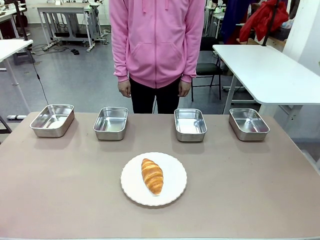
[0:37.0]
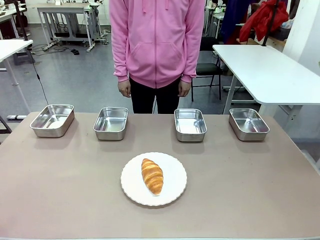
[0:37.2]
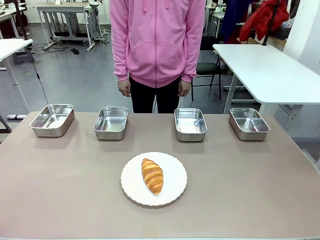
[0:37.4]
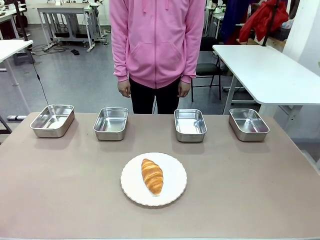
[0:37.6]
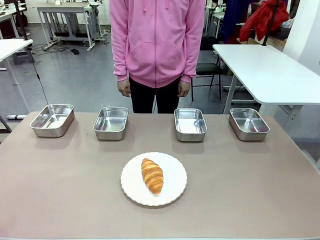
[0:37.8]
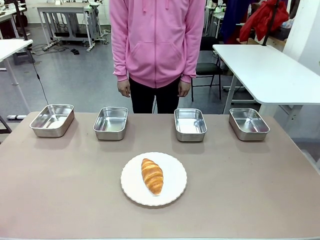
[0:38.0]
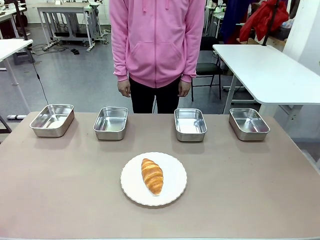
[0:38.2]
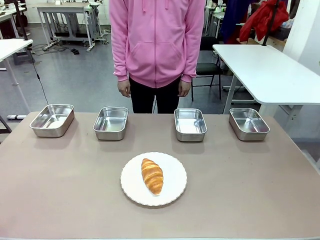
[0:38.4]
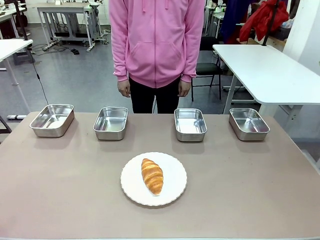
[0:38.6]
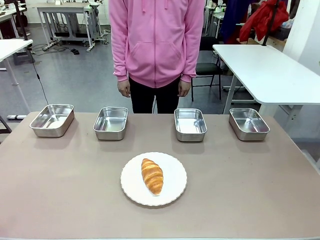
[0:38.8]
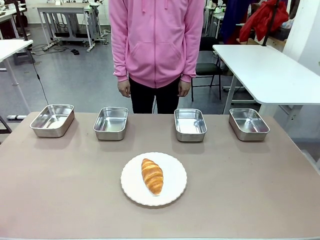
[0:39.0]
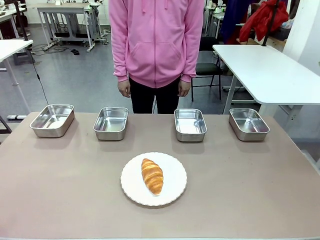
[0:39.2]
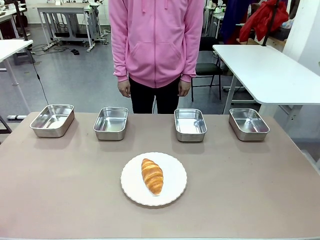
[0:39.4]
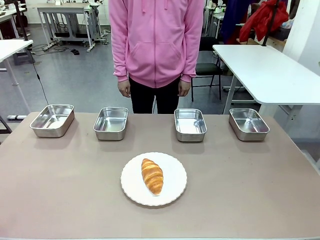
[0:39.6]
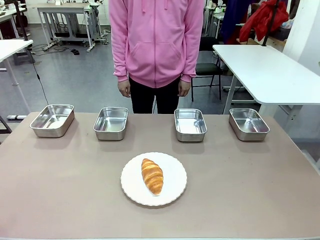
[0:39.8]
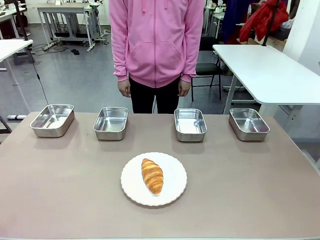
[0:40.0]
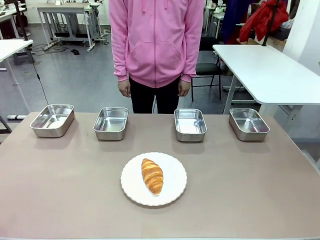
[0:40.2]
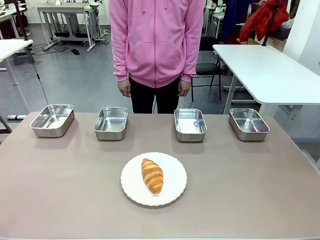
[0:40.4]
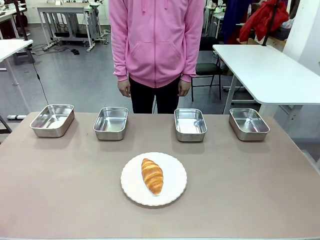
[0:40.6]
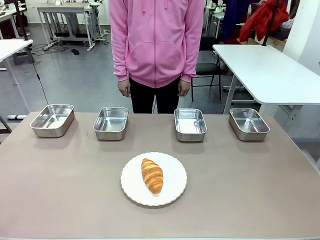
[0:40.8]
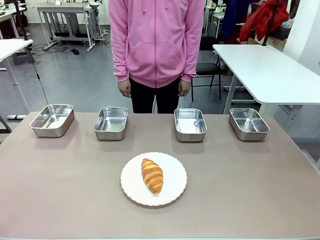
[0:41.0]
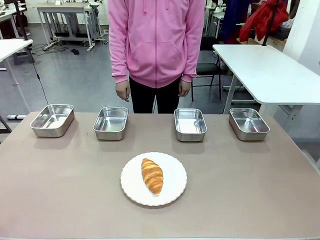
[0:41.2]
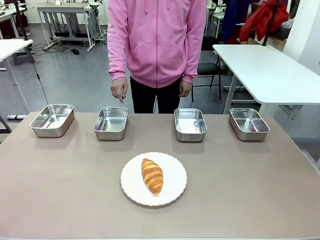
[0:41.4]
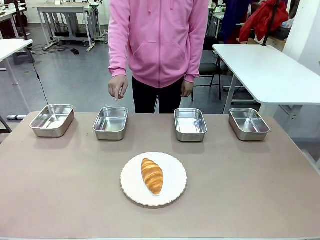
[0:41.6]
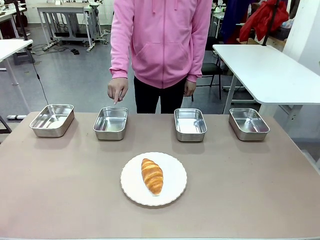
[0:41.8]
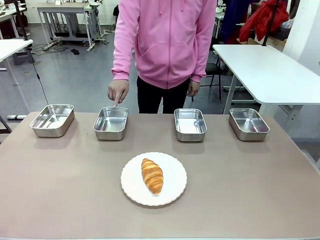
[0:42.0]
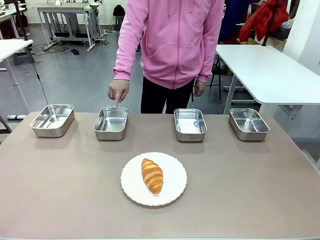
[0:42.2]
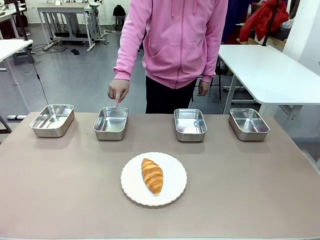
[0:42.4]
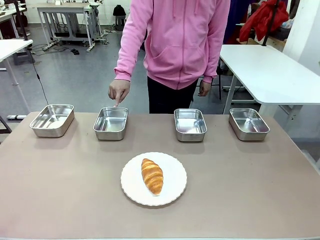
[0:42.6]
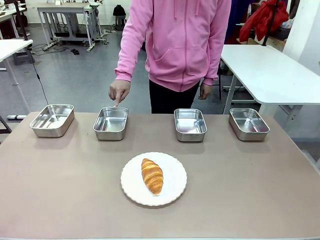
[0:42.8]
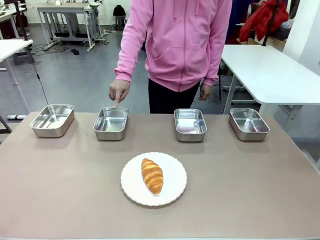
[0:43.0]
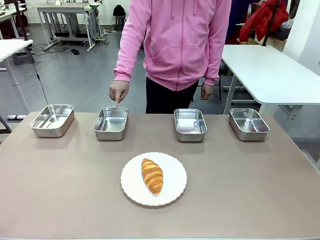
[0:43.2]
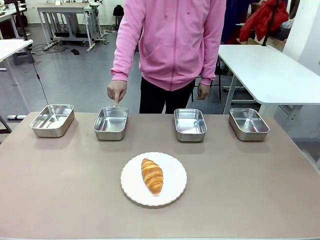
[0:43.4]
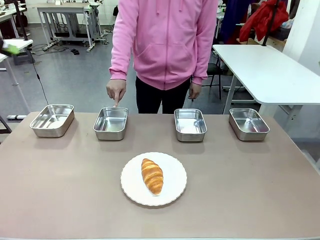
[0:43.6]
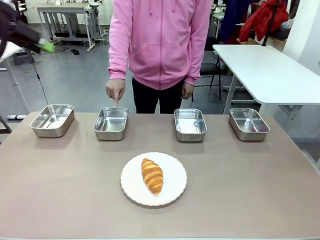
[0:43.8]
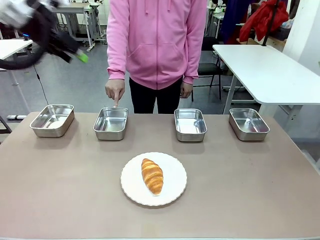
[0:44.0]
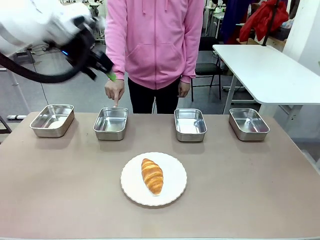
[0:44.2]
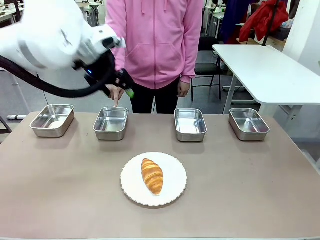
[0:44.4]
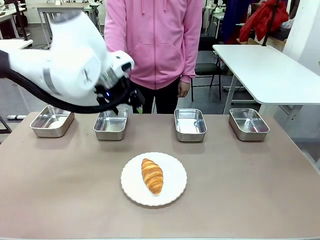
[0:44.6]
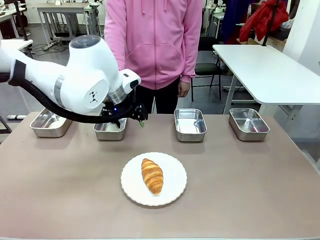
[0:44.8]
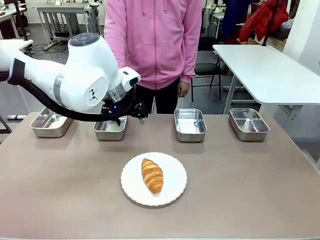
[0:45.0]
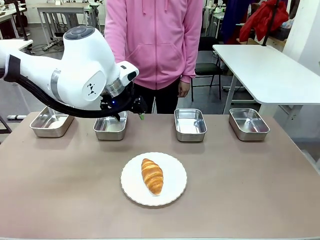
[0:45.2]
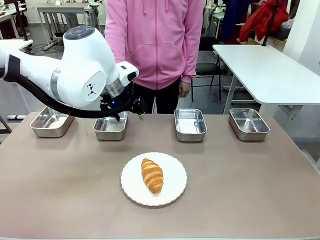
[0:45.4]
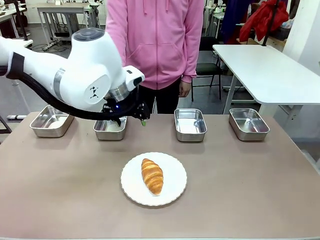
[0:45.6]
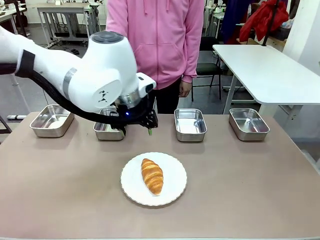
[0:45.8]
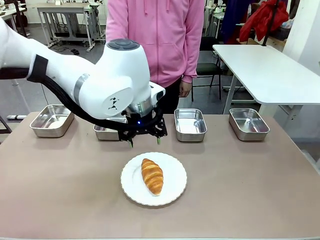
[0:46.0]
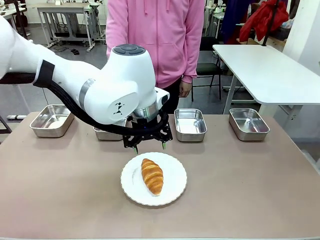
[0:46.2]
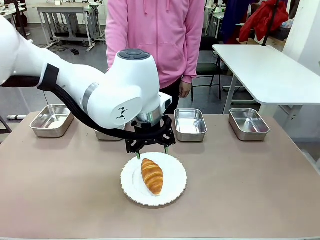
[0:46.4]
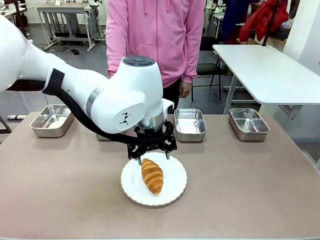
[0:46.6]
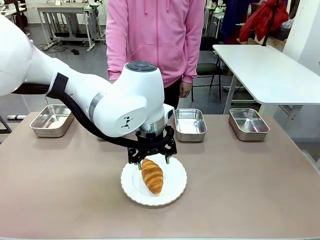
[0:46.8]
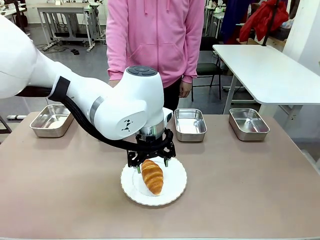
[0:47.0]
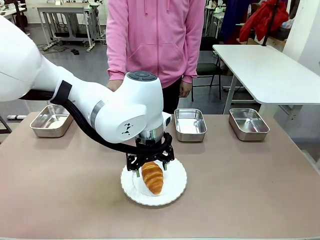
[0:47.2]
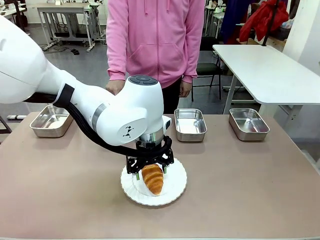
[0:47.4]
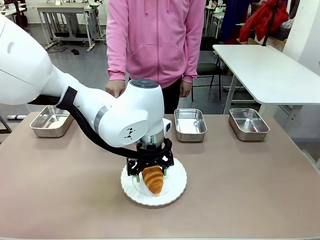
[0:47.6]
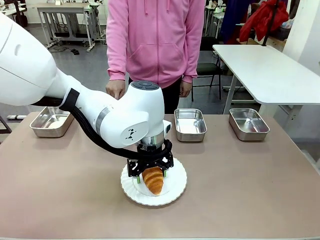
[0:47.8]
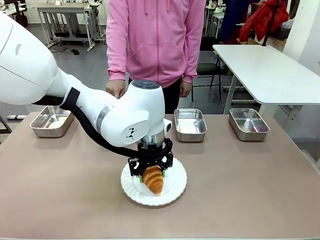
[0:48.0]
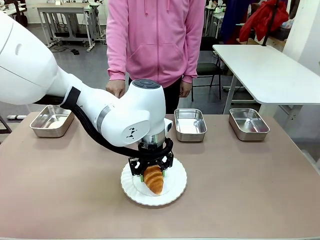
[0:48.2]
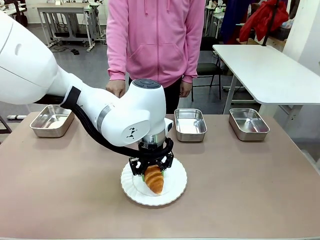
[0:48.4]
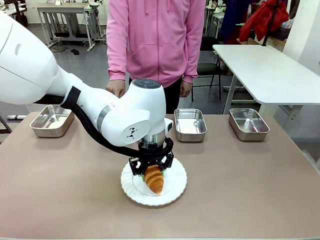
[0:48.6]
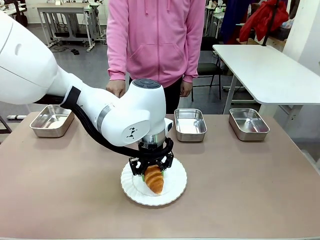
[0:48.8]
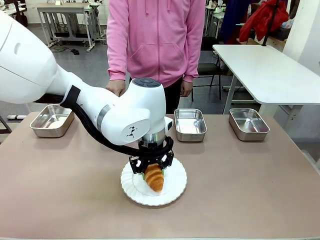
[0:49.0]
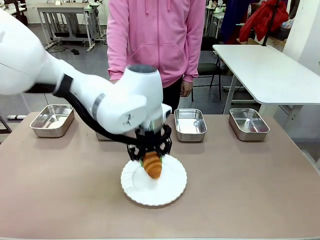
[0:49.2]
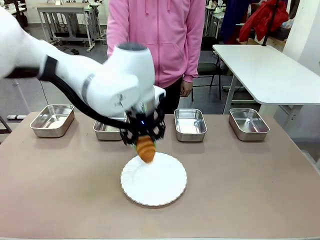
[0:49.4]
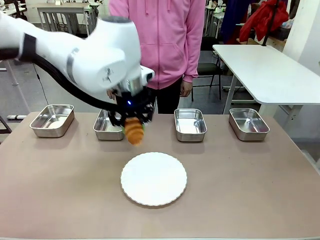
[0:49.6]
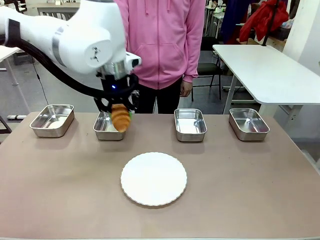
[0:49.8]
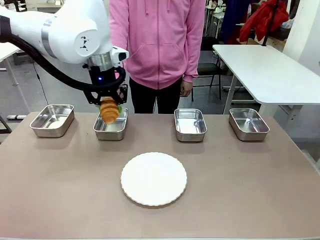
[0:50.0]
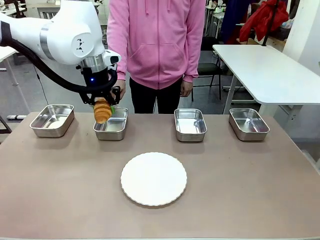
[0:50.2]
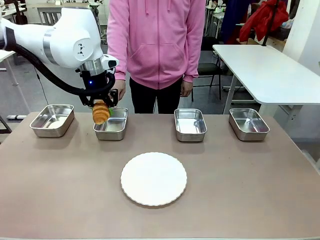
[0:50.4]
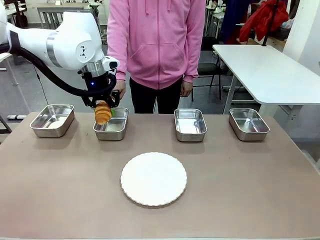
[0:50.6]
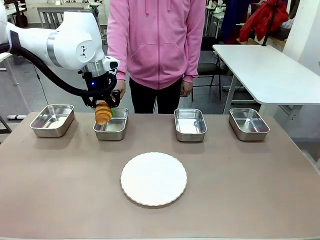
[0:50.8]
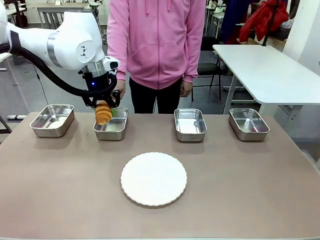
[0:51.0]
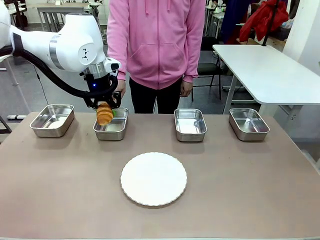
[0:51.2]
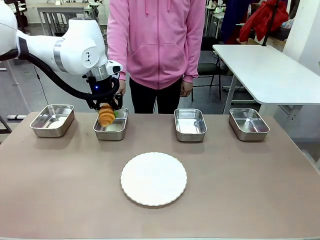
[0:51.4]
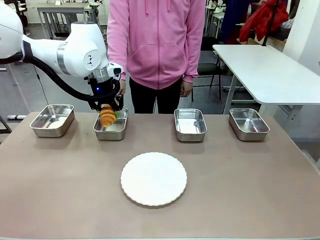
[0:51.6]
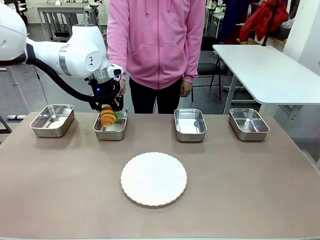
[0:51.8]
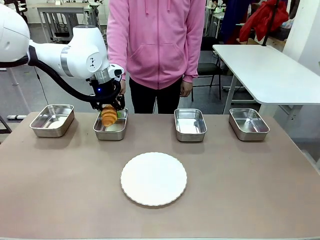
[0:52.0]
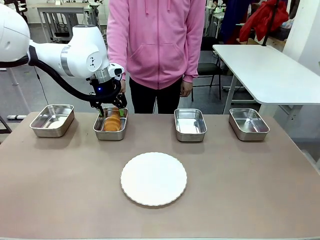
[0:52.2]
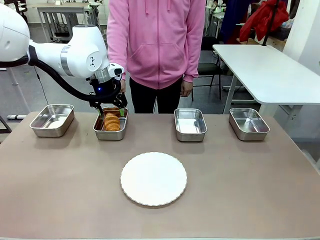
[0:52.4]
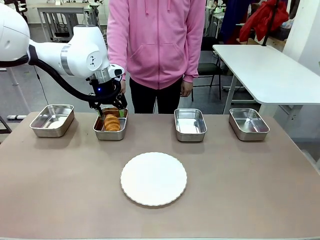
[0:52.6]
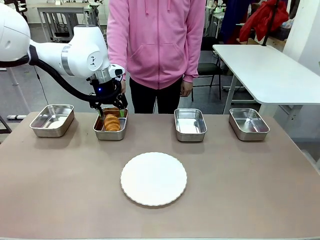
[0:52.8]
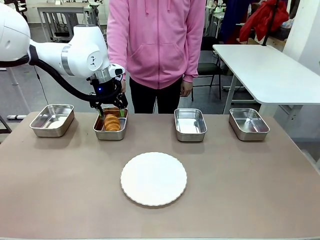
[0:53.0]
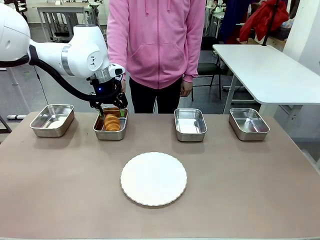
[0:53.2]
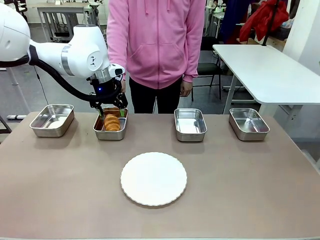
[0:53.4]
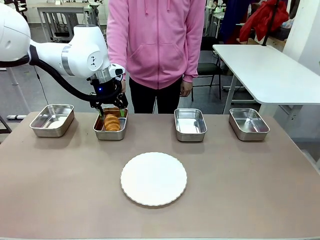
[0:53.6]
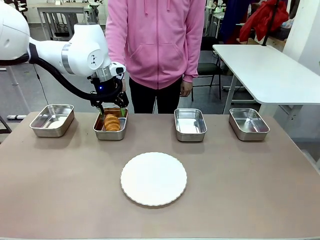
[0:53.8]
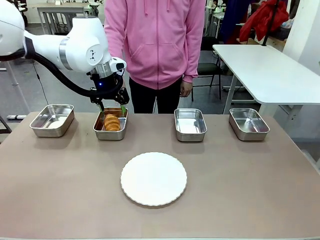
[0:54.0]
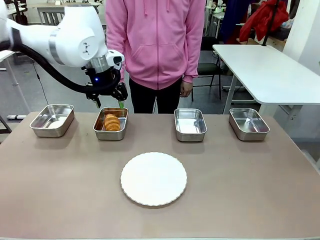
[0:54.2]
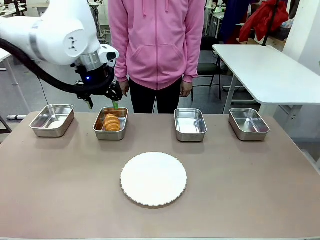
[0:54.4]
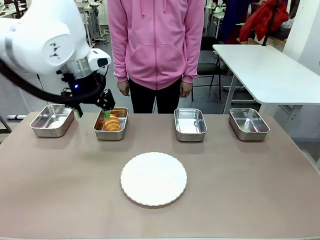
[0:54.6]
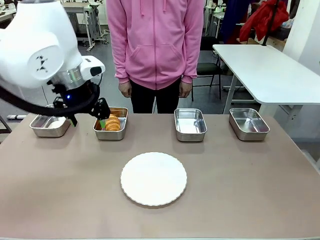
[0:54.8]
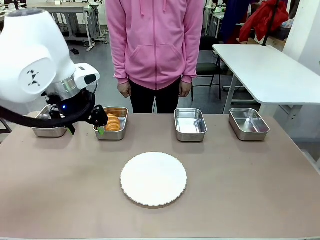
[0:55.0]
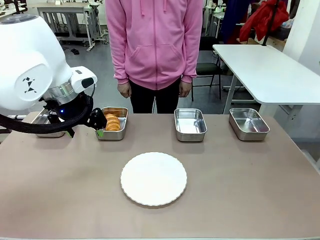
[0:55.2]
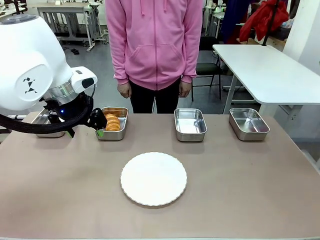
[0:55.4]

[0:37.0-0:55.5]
Task: Place the bread in the container.
Robot: Place the Butter Roll into the Airtight Container indicated by the human.
